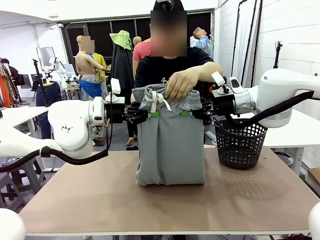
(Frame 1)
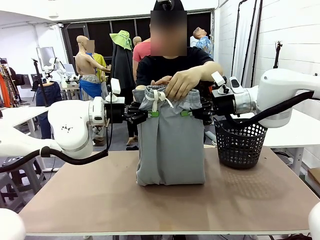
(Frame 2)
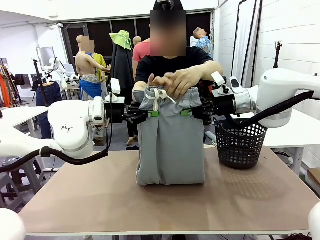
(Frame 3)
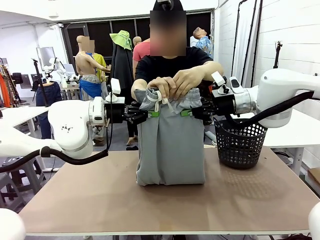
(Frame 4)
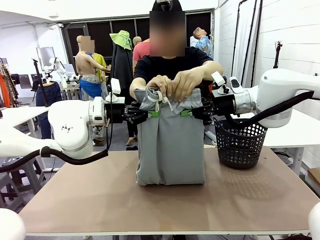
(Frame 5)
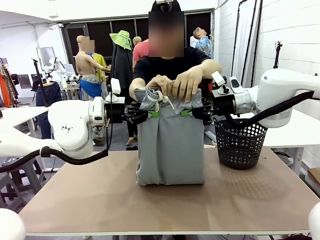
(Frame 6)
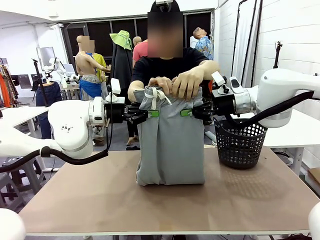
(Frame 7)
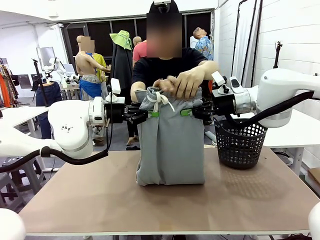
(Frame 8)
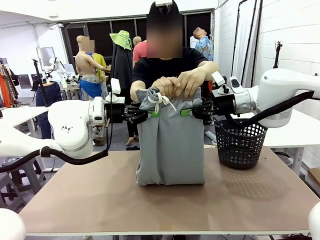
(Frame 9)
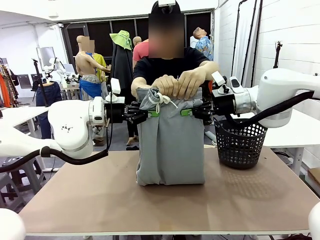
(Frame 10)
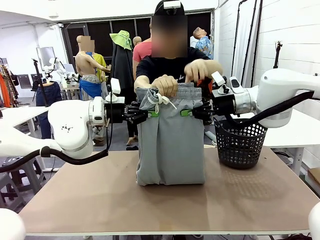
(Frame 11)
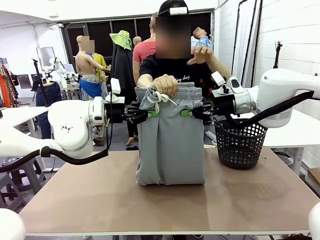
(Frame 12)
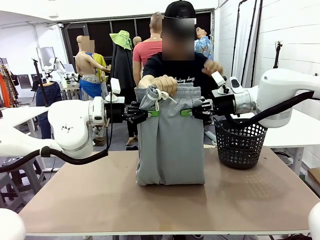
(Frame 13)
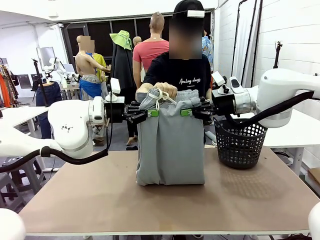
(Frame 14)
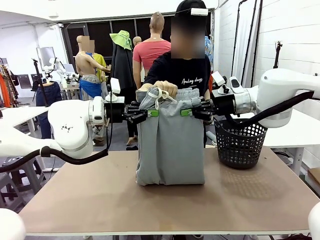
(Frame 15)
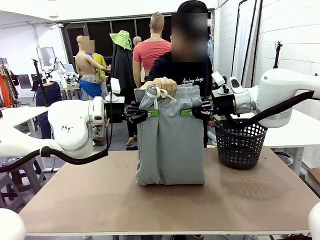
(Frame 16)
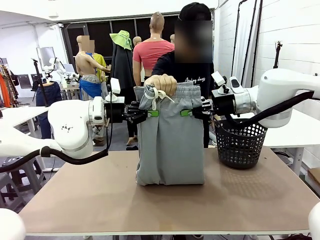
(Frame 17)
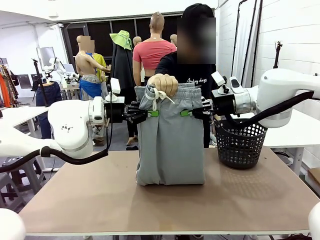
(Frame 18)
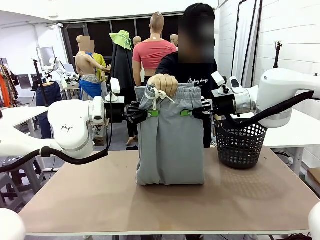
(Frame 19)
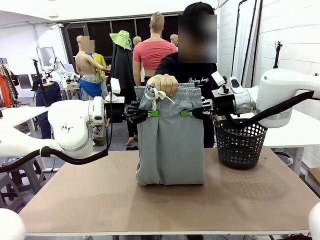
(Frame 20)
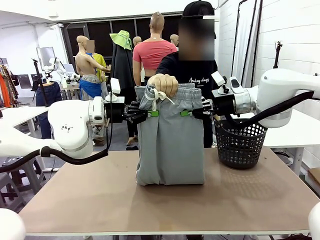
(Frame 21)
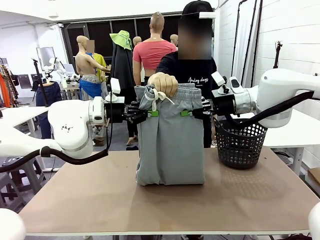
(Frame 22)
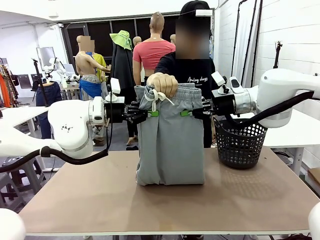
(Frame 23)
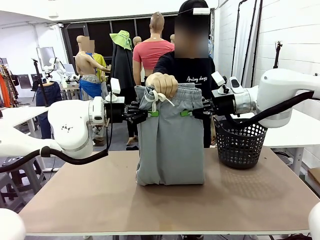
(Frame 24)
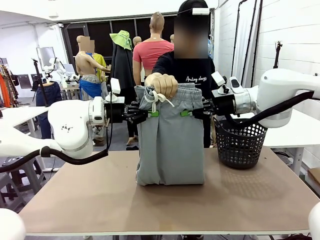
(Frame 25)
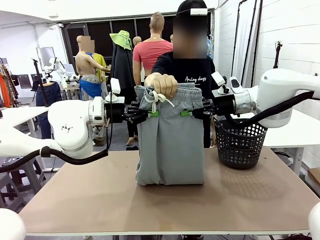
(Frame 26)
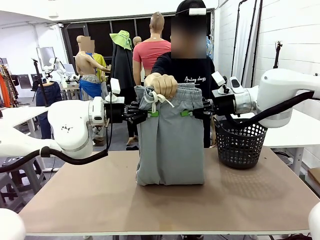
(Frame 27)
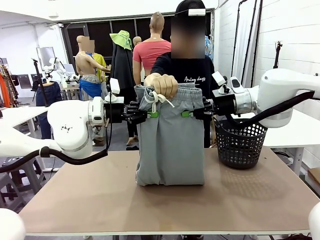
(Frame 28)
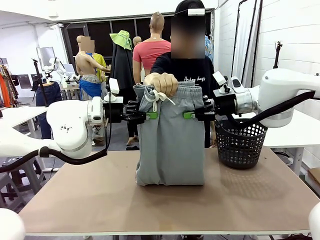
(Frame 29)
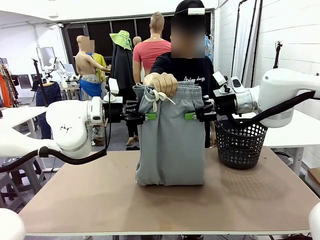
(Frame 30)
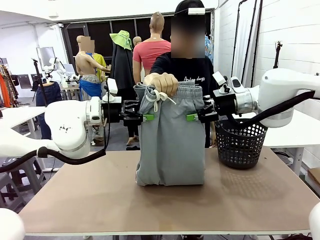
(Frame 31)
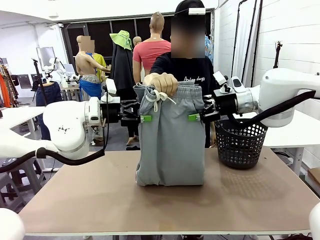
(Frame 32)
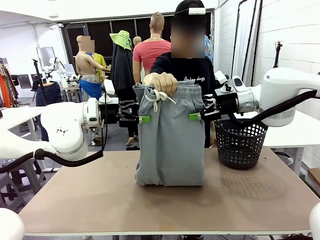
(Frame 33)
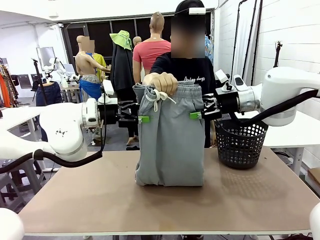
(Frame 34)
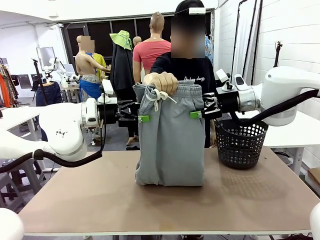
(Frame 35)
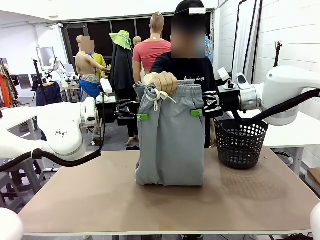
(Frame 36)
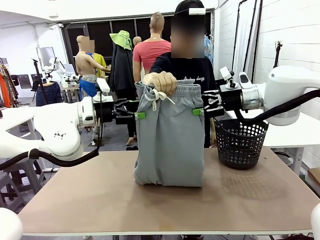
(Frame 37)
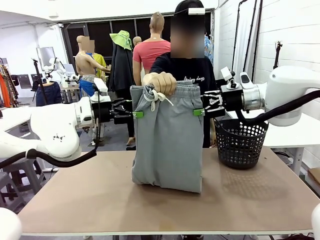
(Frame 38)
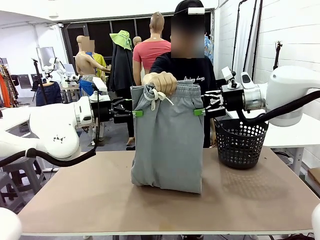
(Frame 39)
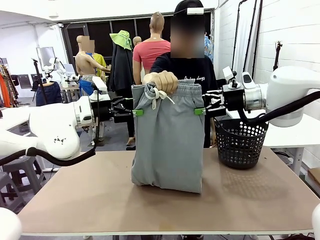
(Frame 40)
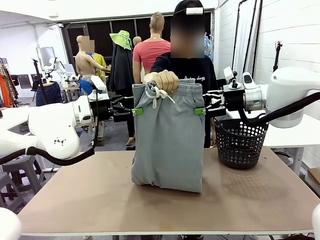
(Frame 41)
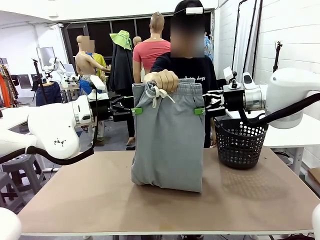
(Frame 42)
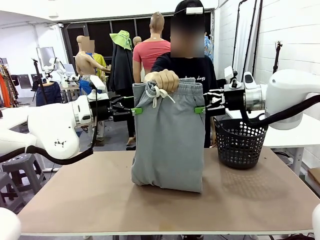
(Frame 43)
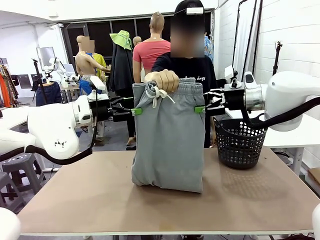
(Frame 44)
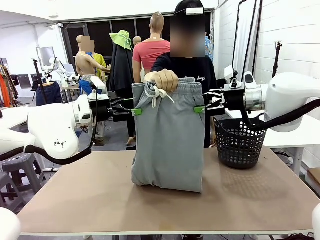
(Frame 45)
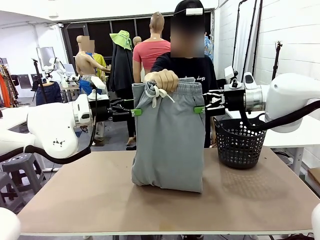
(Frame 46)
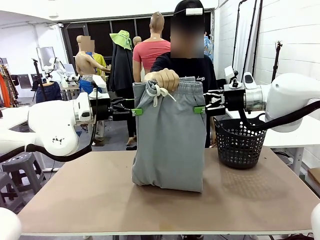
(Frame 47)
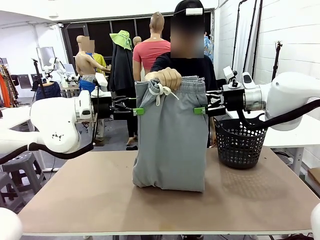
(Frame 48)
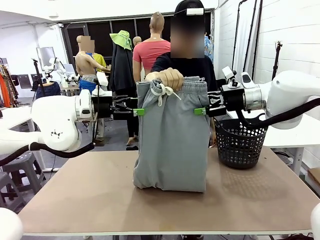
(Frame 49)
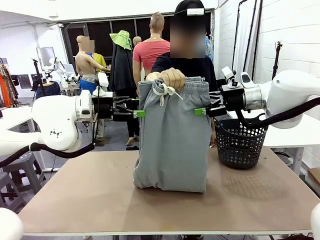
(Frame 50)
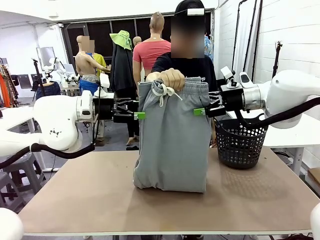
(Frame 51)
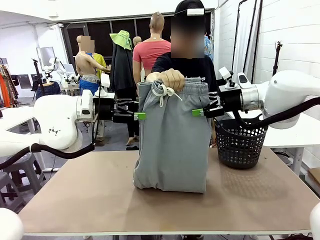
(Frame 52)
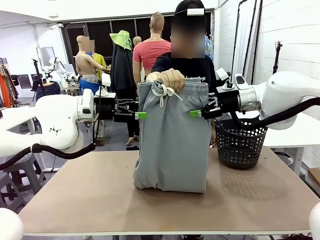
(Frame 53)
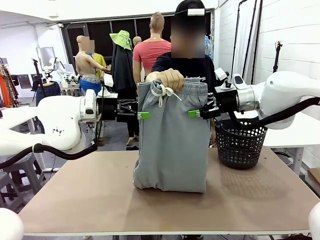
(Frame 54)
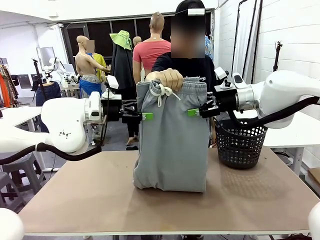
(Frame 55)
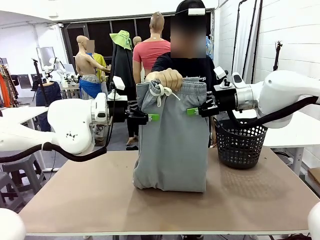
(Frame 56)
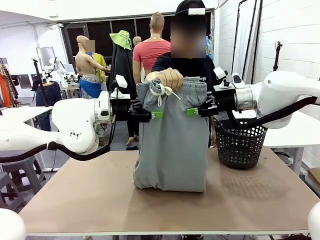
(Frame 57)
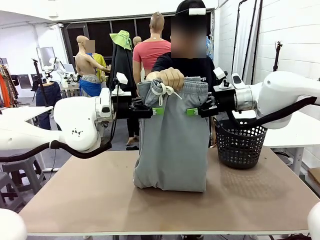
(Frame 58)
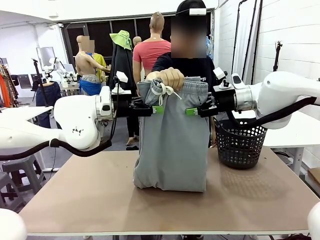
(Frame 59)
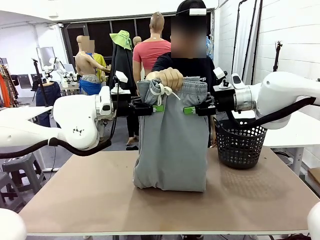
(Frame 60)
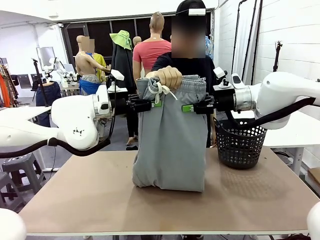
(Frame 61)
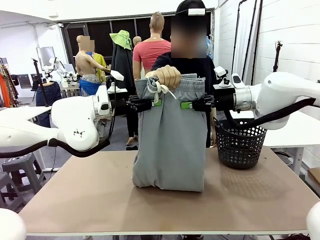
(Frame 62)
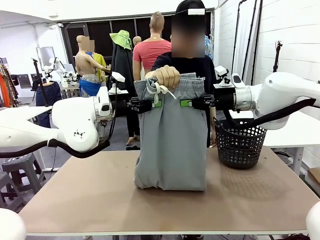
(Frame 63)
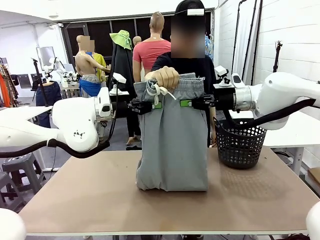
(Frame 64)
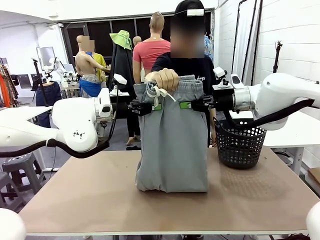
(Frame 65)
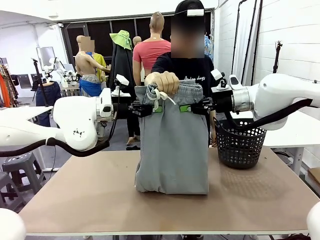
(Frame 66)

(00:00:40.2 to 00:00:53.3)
Task: Fold the training pants.
Robot: Release the ends of the Training pants and then grab the overlapped ends.
Person: Release the pants you were holding.

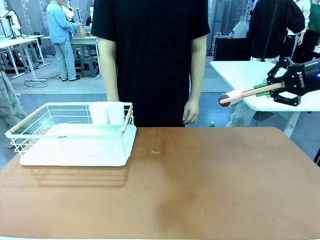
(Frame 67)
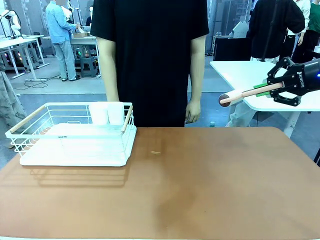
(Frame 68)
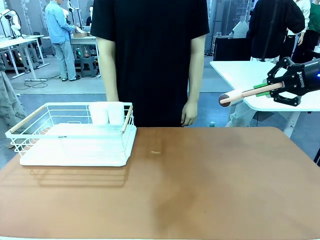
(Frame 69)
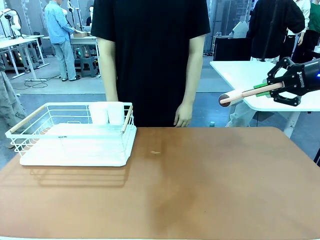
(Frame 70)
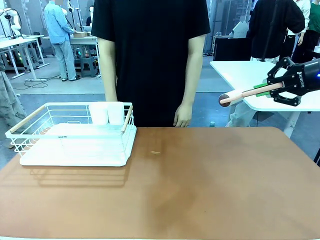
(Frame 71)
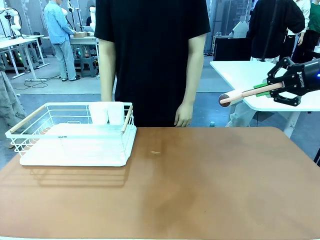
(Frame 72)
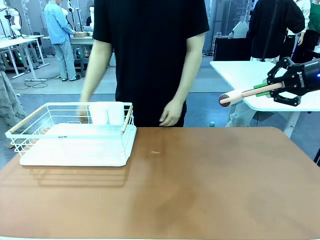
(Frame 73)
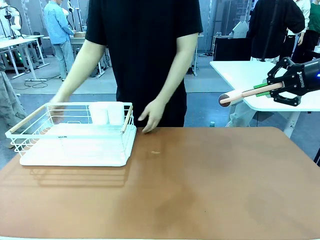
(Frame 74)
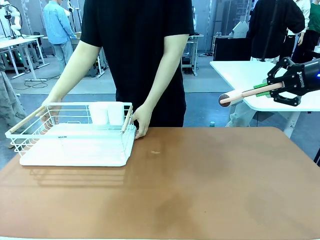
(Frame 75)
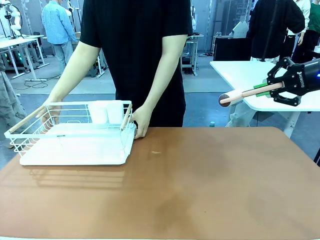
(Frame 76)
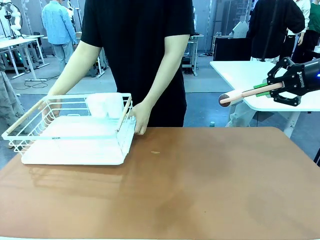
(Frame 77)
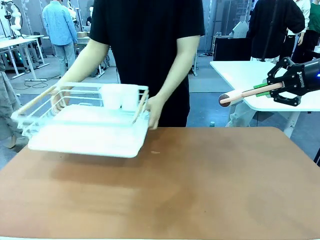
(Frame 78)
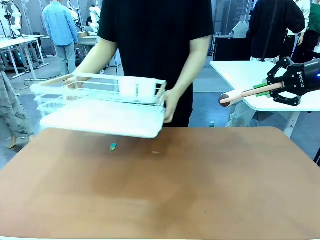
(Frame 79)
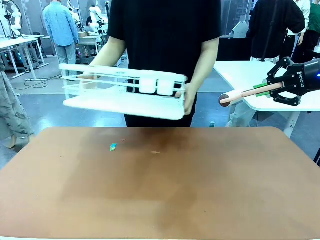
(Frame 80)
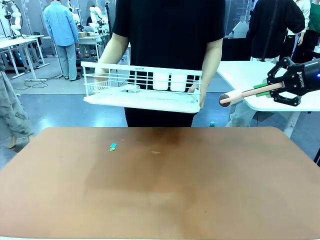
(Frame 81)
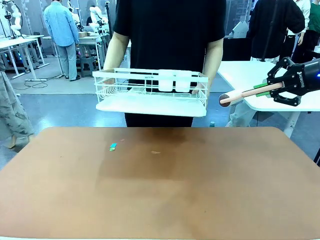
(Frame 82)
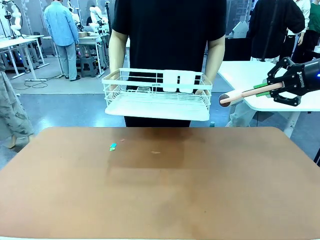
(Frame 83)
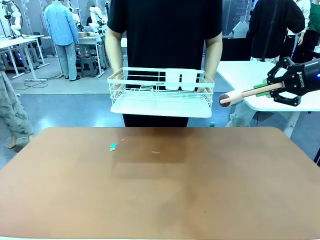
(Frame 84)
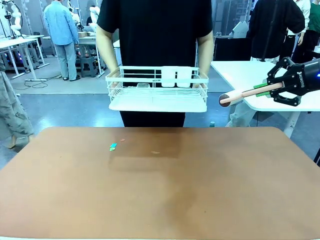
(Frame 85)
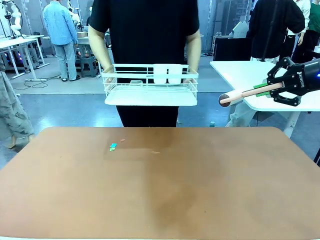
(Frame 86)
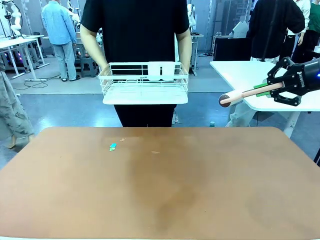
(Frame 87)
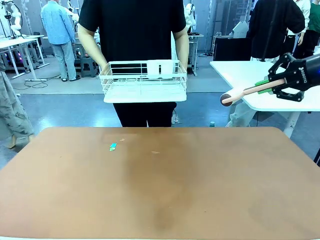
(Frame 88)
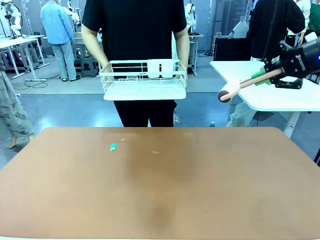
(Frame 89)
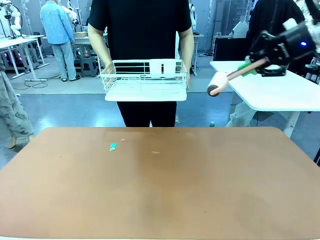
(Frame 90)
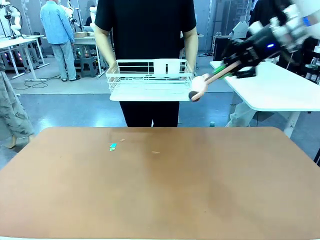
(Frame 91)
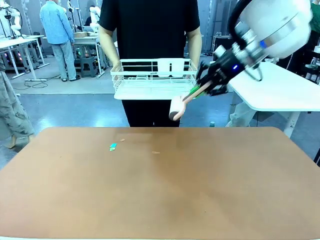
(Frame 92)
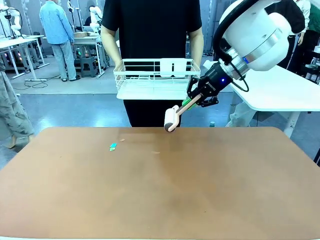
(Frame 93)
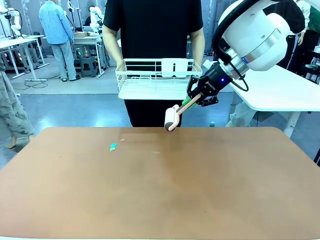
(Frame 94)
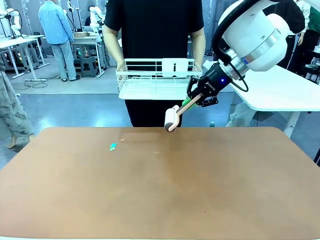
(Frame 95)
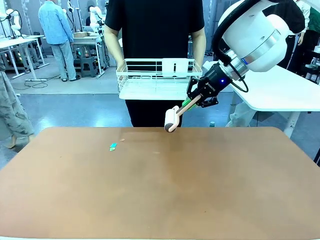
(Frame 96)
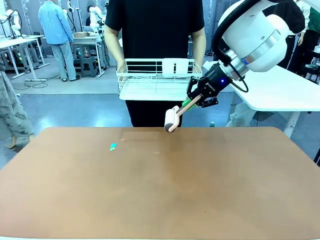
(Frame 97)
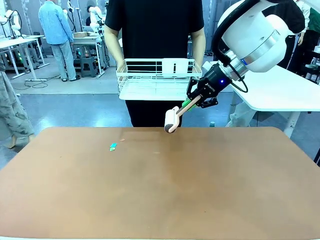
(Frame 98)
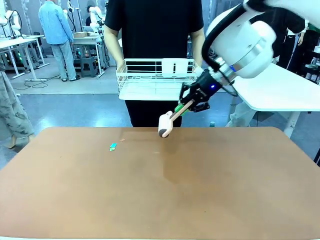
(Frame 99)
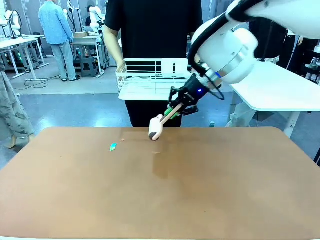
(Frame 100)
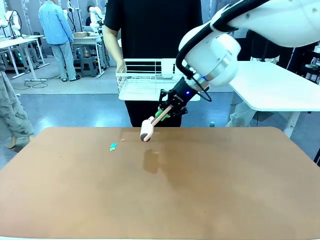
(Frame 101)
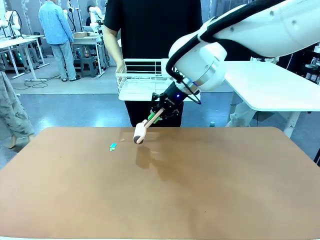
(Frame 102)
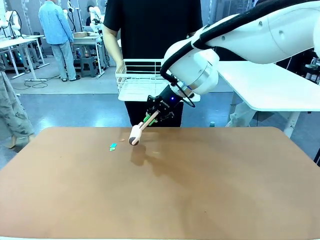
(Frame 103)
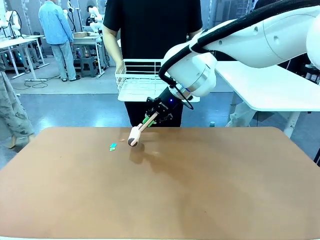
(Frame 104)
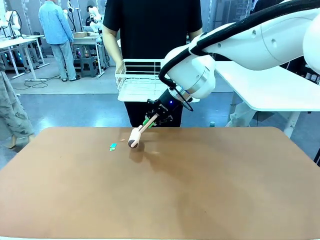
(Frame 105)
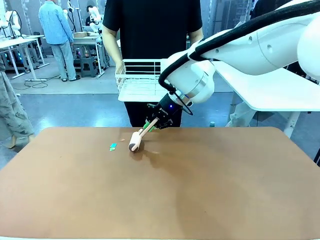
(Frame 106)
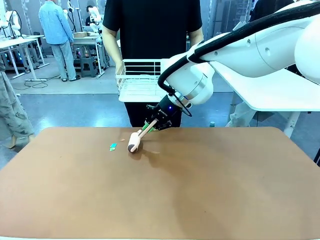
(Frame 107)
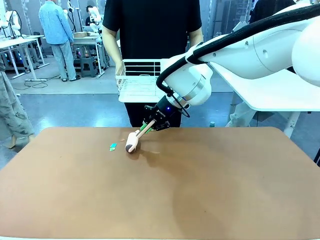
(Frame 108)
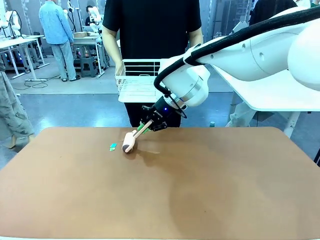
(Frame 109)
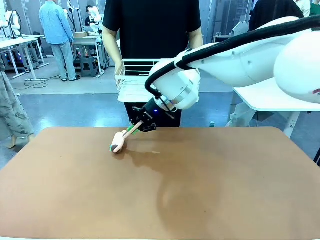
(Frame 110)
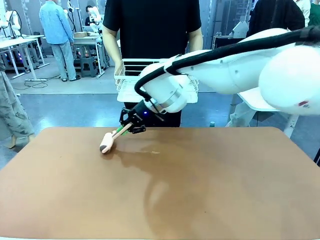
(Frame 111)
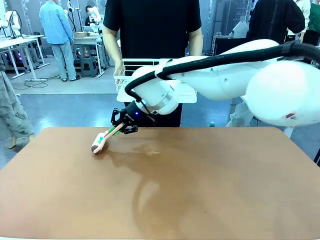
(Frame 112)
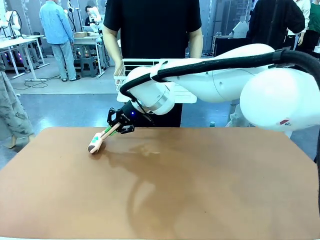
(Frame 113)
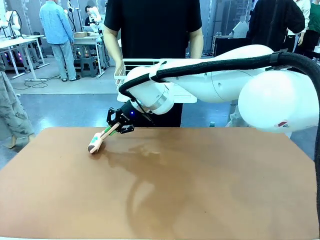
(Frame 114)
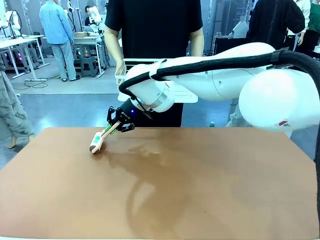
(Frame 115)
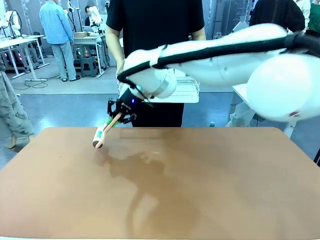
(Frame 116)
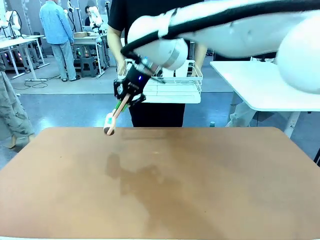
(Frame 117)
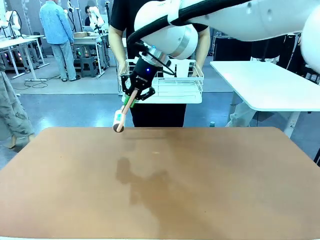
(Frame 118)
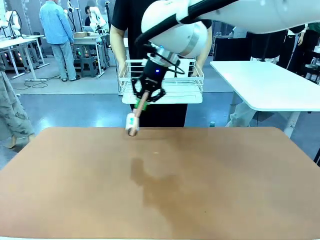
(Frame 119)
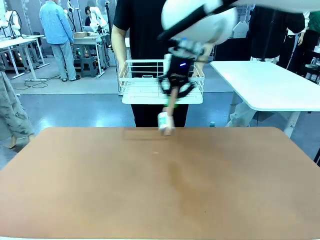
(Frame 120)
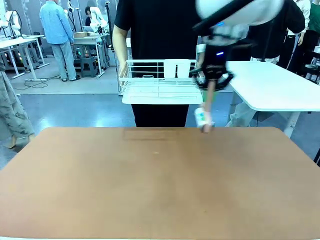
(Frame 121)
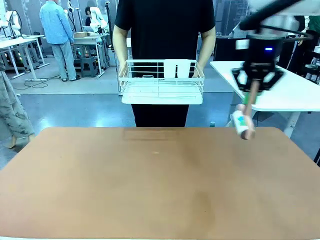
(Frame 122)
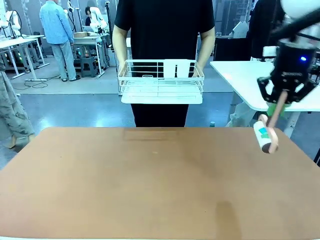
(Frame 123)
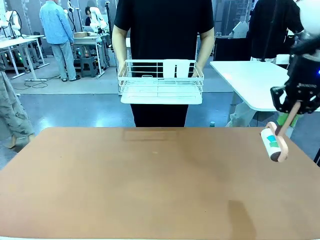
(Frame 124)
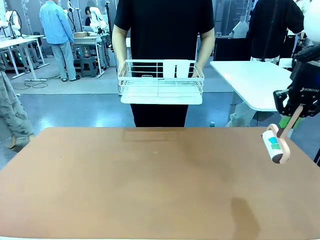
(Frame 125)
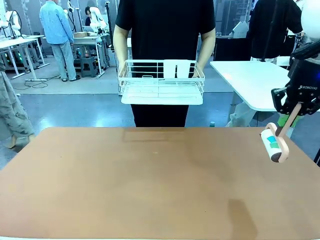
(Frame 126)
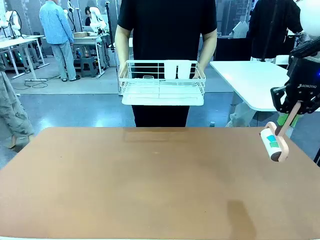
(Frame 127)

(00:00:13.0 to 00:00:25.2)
Task: Clean the table.
Robot: Clean the table with the Lint Roller when the human lifts the Dish drying rack.
Person: Place the Dish drying rack down when the robot finishes cleaning.
